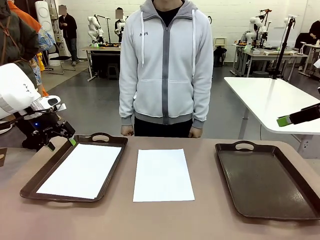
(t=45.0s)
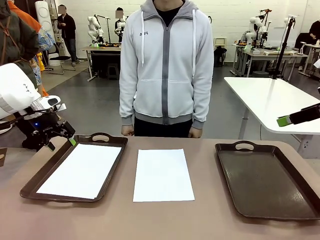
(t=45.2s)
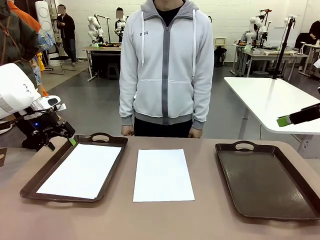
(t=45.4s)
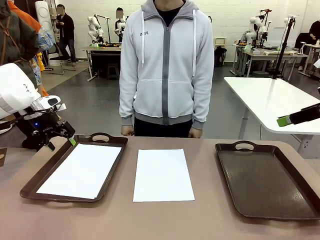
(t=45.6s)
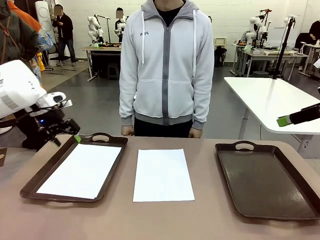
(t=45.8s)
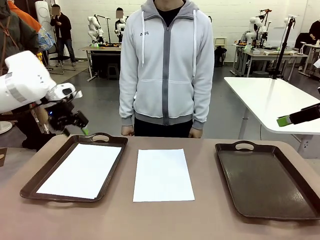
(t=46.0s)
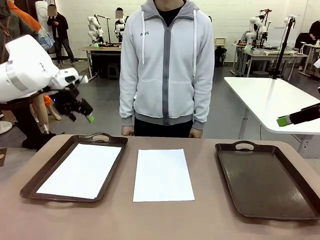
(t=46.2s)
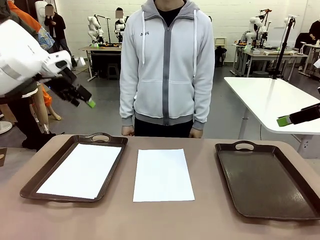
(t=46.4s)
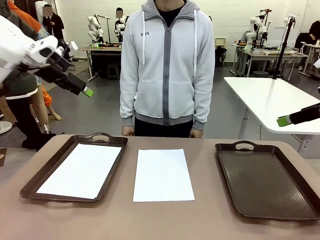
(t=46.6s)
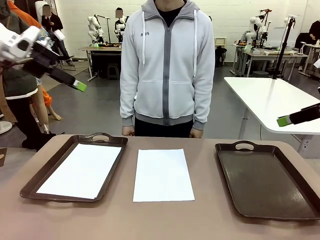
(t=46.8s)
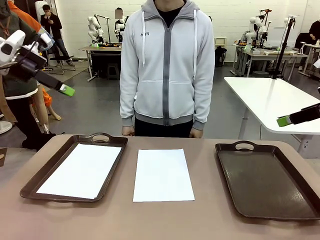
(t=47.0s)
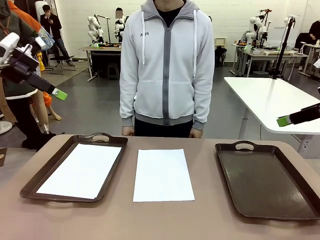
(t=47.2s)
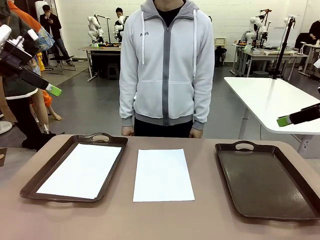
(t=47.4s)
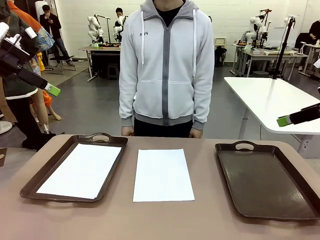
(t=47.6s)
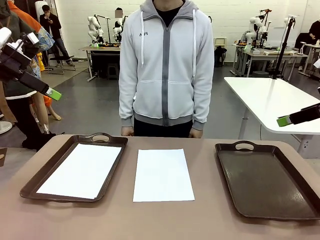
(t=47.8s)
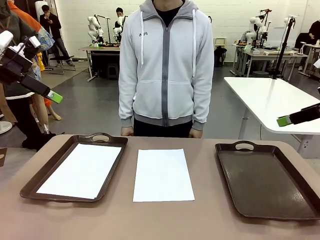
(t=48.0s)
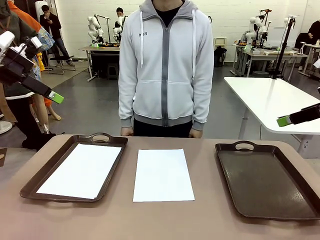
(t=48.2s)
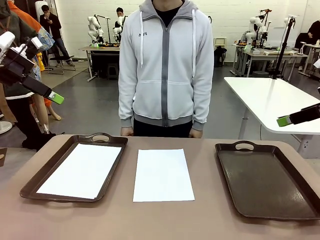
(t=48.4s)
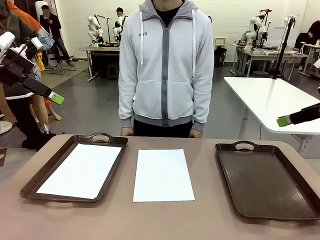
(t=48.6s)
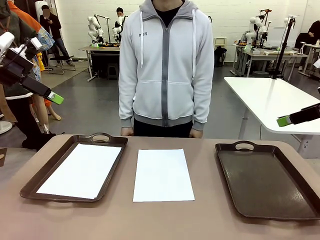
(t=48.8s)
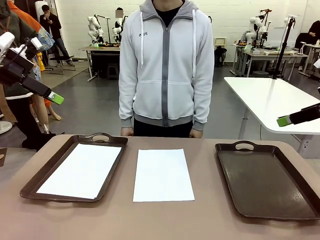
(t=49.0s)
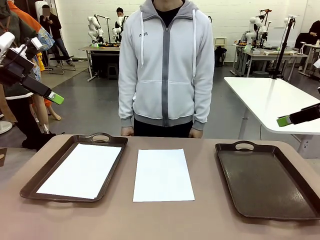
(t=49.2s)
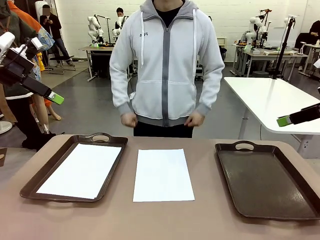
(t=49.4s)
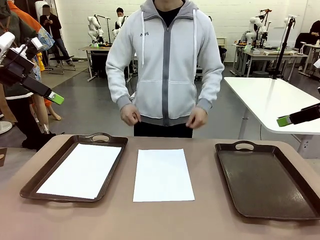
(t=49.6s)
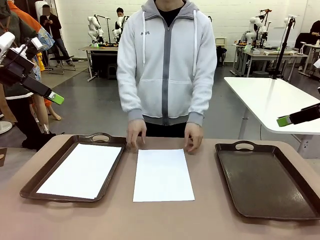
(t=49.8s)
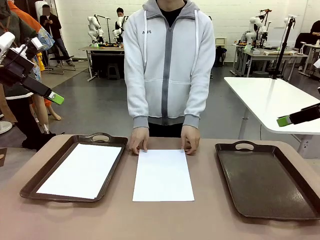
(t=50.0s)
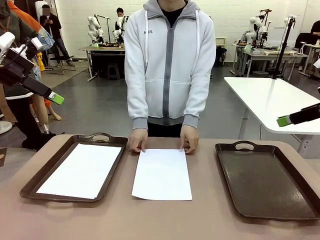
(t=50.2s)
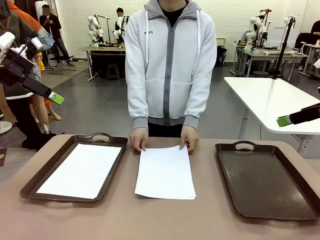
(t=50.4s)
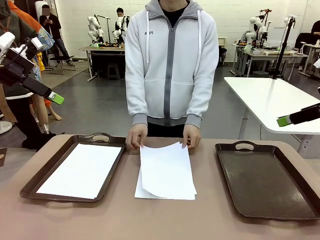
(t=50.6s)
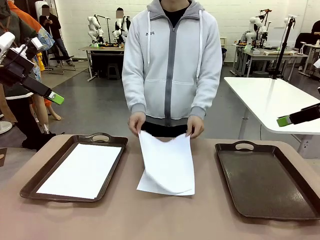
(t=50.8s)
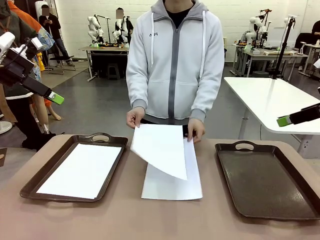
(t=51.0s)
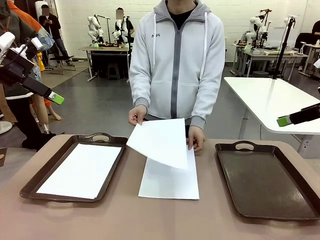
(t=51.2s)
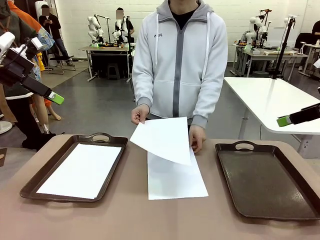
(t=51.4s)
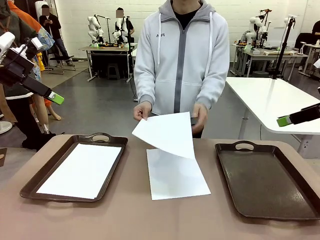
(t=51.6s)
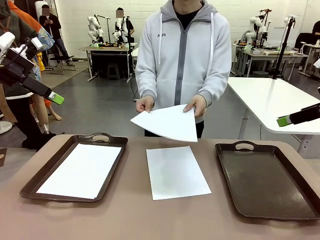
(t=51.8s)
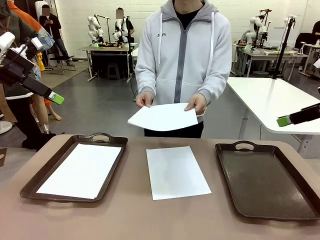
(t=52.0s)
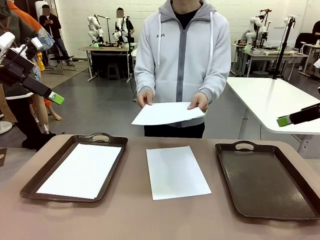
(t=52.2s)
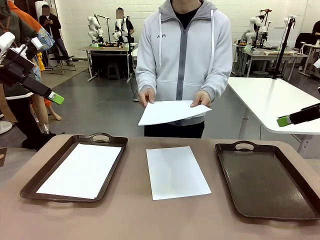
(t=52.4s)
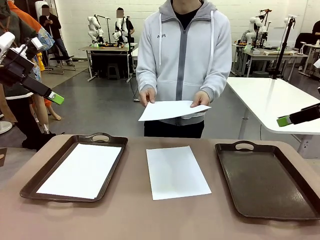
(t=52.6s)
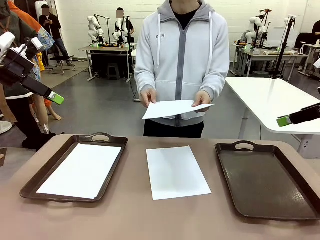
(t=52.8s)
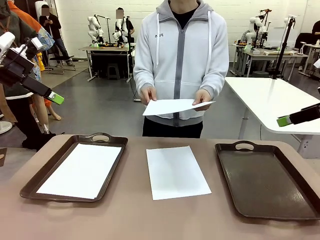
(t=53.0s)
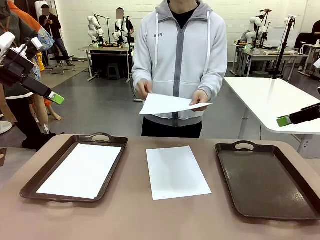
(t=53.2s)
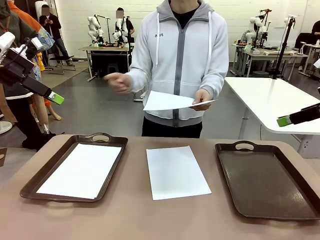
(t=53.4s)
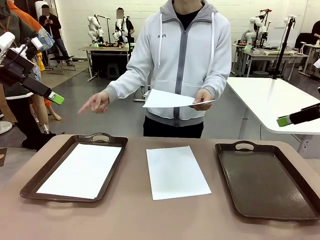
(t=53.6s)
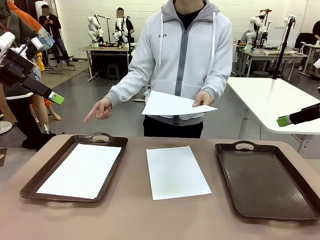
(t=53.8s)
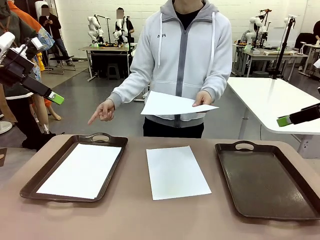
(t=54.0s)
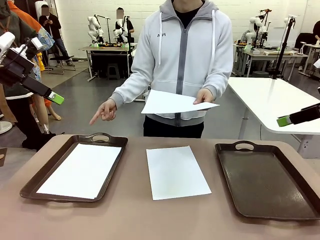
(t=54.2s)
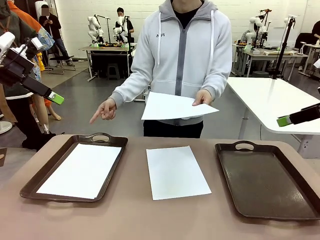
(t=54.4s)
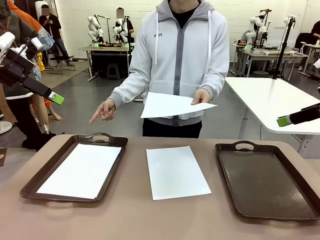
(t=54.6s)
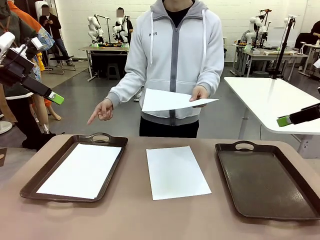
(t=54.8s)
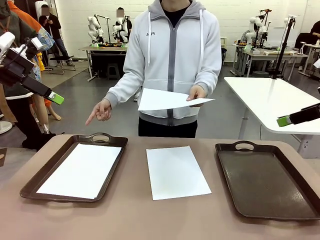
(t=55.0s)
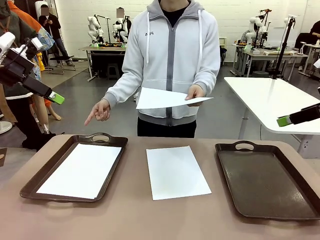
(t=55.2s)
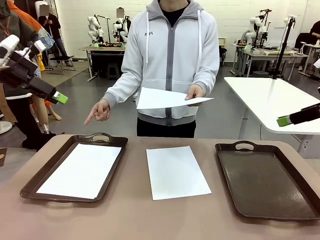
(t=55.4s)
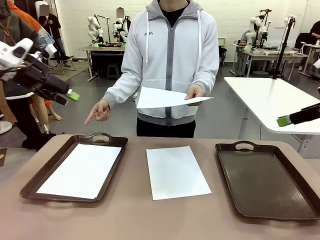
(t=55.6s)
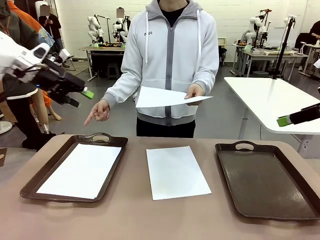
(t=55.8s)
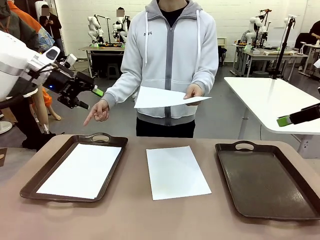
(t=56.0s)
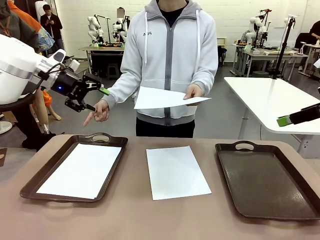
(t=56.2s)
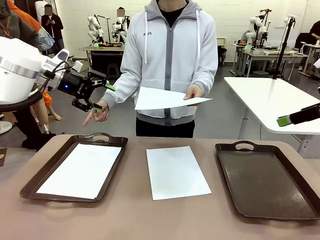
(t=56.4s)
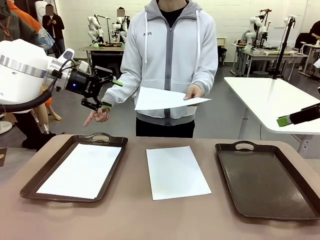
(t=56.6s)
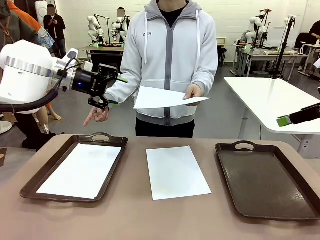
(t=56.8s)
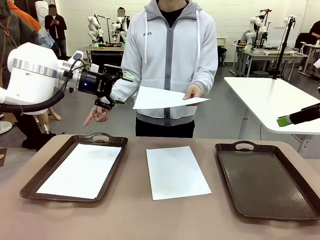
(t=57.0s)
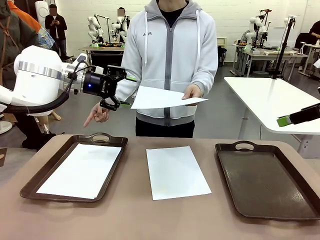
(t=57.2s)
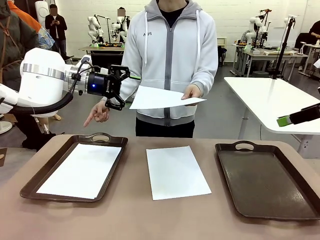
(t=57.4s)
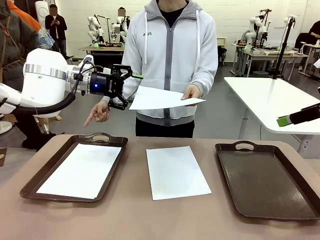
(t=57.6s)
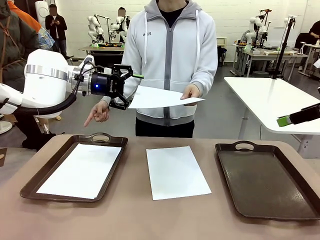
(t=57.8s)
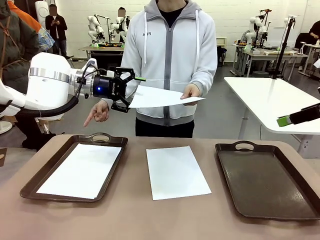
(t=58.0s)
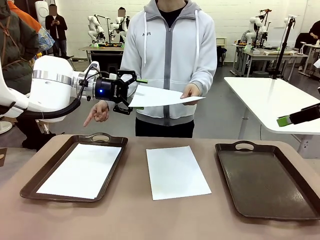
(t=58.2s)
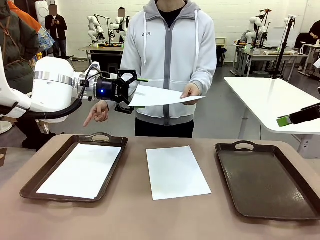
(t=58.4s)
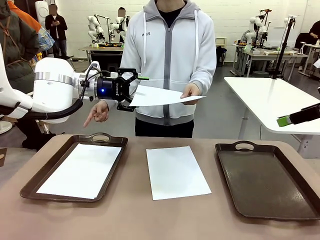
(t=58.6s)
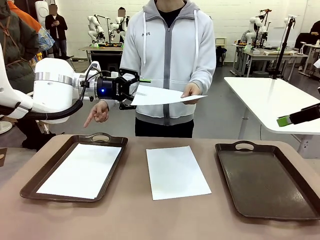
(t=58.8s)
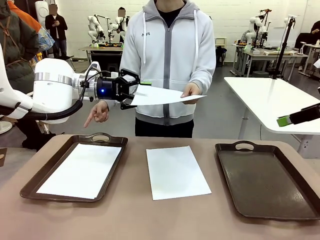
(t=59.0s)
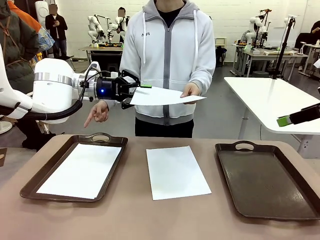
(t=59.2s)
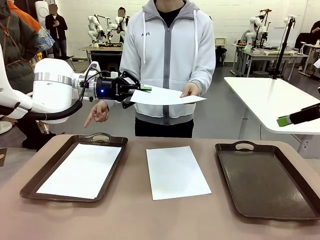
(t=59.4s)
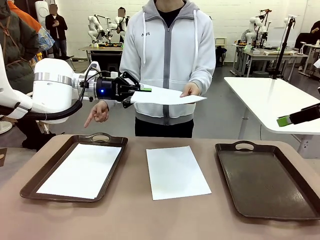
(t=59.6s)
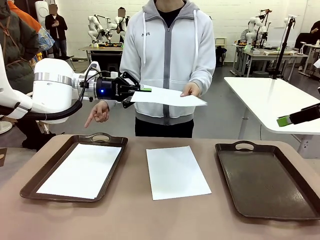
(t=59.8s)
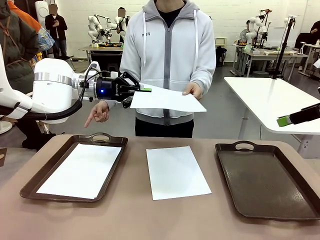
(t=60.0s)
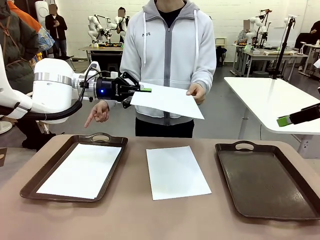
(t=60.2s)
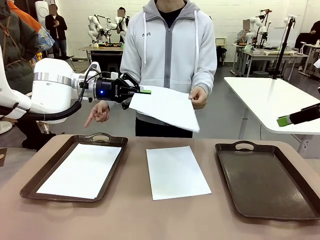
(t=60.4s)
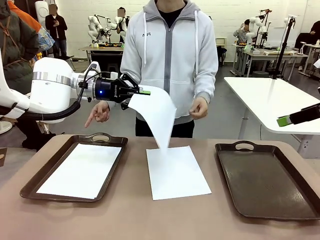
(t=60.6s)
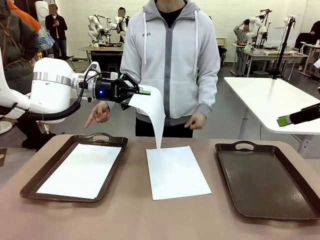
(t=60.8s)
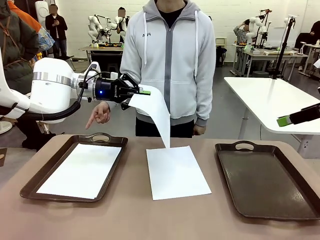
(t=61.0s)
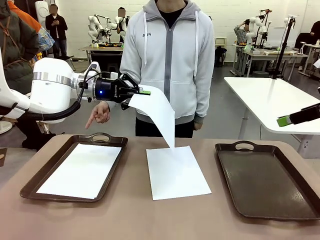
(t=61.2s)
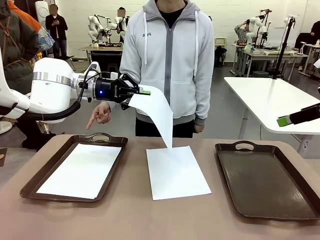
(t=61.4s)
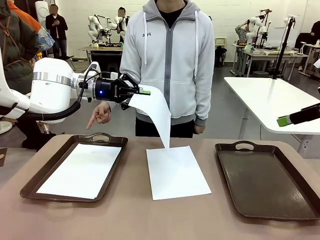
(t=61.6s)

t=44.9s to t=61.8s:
Task: Sort the A4 documents.
Robot: Receive the A4 Paper.
Person: Point the randomly selected tray with the other hand.

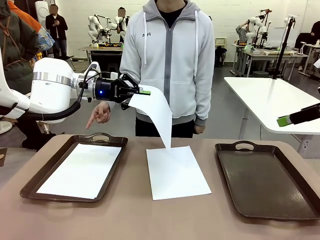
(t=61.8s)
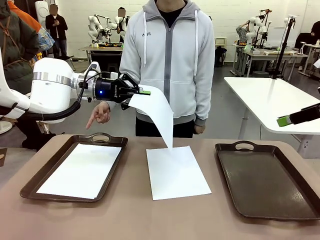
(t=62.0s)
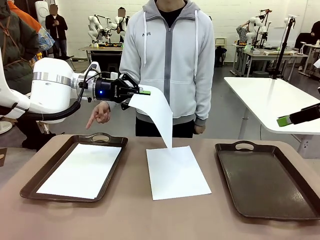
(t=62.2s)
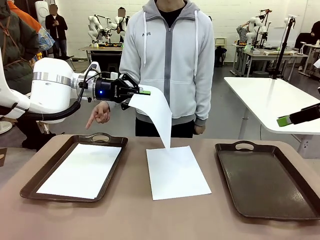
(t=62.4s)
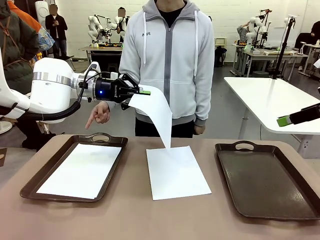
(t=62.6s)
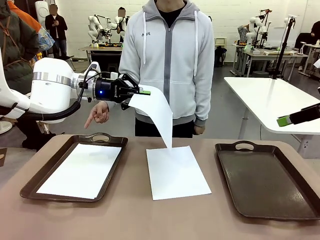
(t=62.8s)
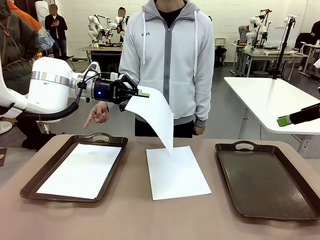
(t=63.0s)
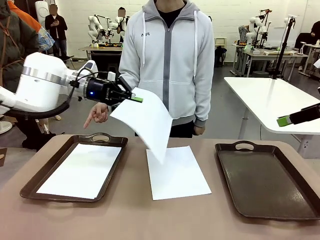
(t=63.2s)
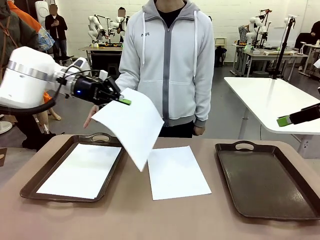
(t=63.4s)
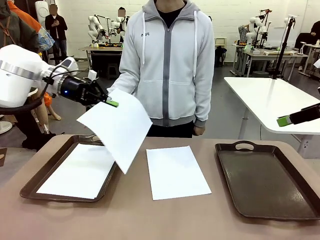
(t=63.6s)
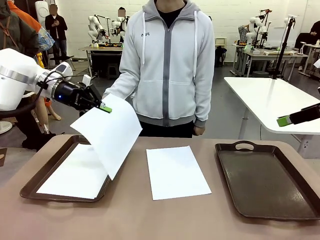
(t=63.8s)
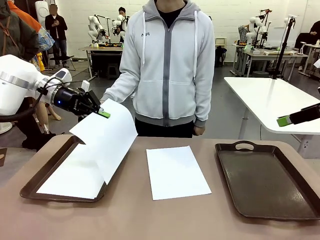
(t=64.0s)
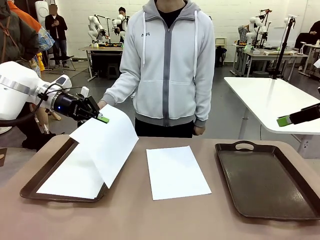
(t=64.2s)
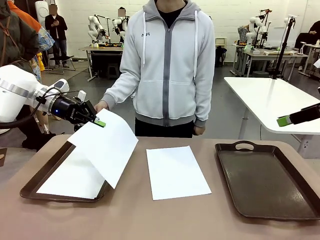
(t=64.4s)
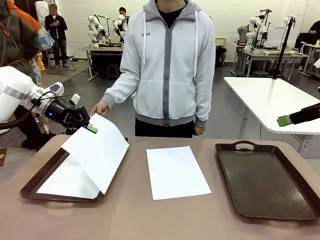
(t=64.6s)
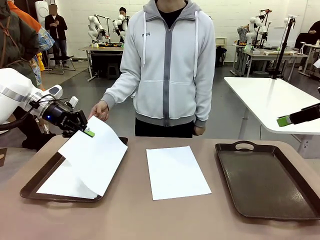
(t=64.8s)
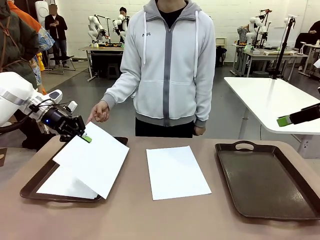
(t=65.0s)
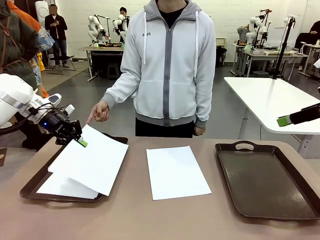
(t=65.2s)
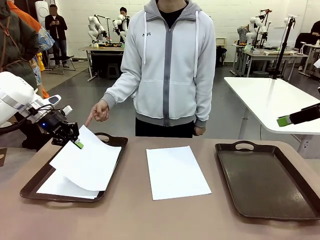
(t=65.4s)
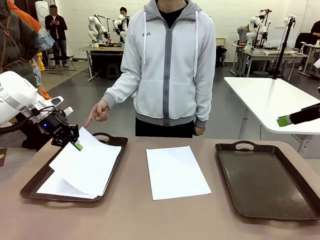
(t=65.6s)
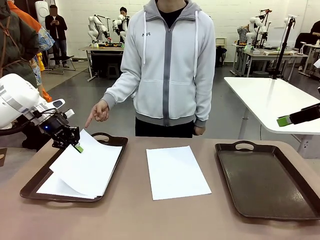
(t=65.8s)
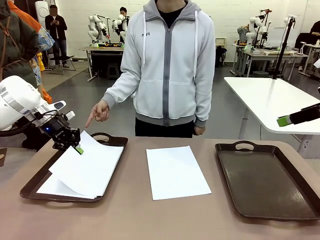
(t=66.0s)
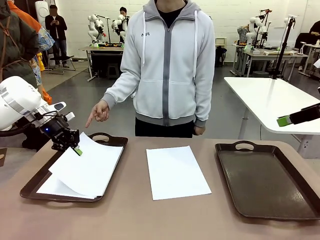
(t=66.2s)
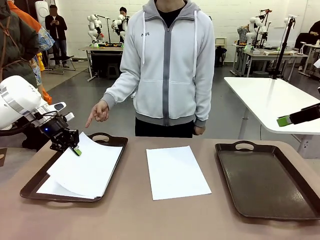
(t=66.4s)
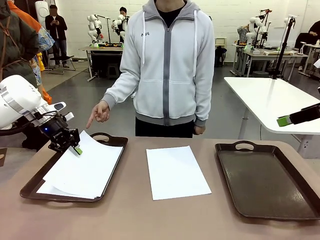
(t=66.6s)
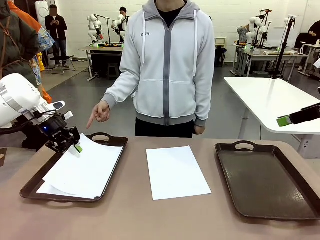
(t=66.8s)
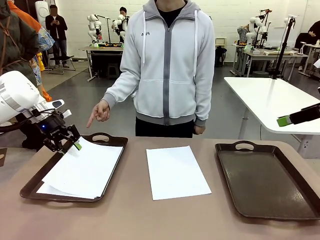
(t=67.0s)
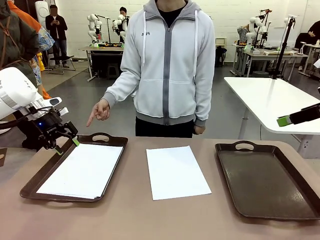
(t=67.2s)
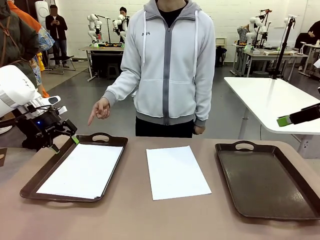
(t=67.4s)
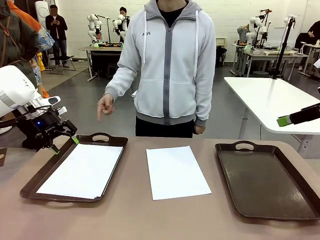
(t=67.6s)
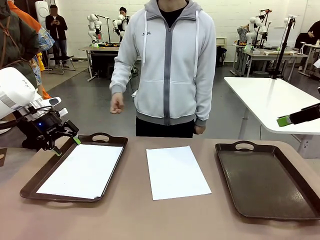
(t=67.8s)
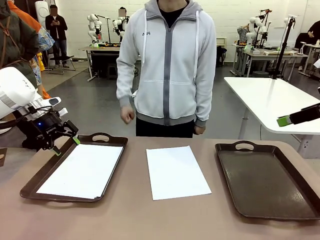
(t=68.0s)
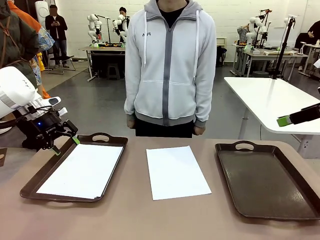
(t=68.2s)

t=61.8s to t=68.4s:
Robot: Place the A4 Paper in the designated Handle tray.
